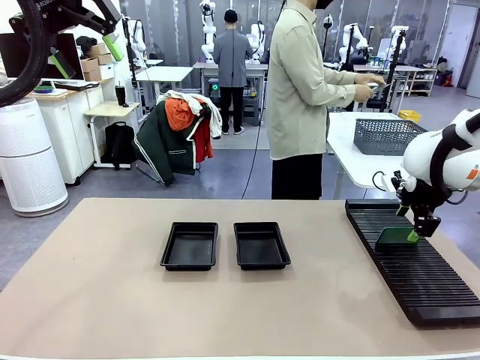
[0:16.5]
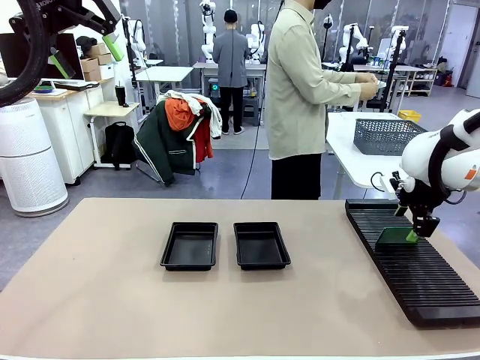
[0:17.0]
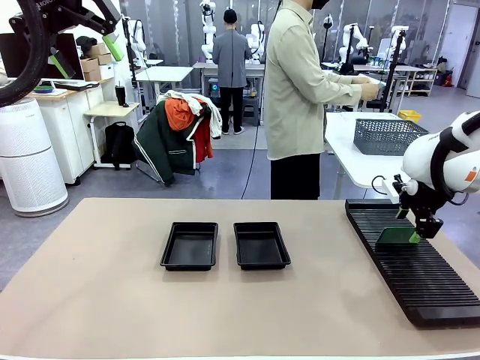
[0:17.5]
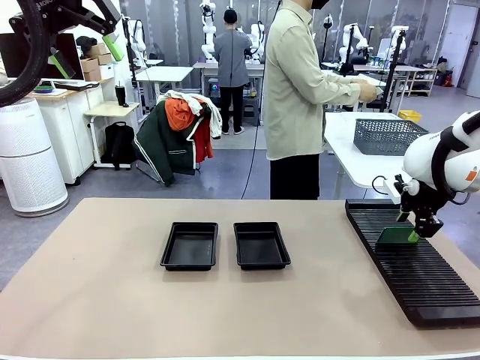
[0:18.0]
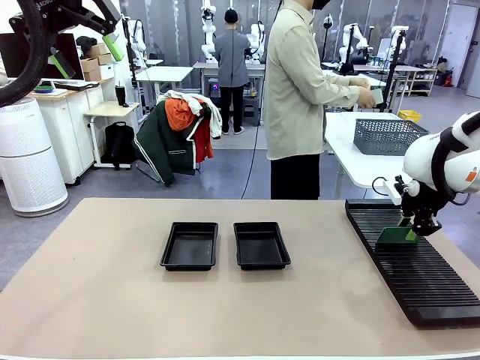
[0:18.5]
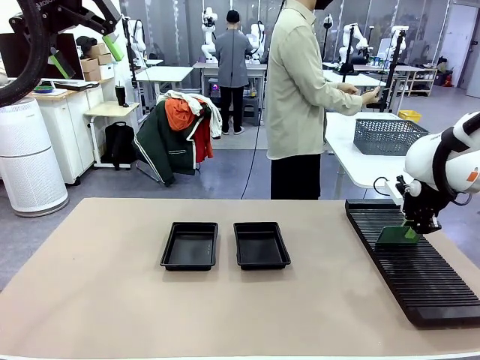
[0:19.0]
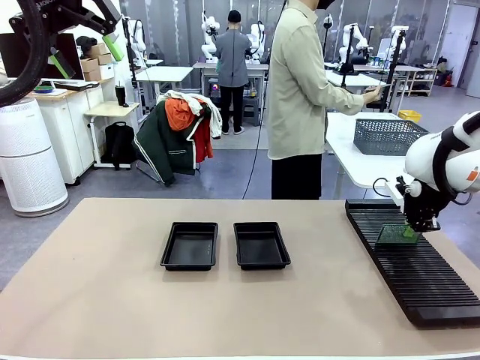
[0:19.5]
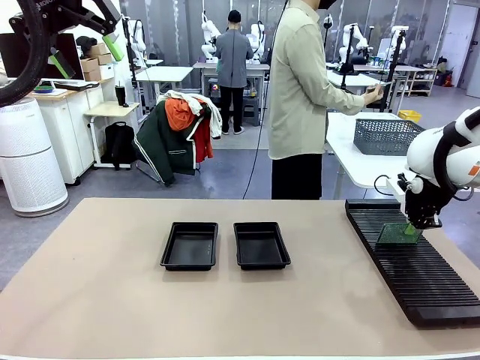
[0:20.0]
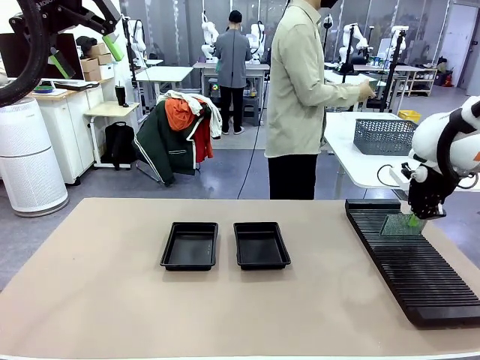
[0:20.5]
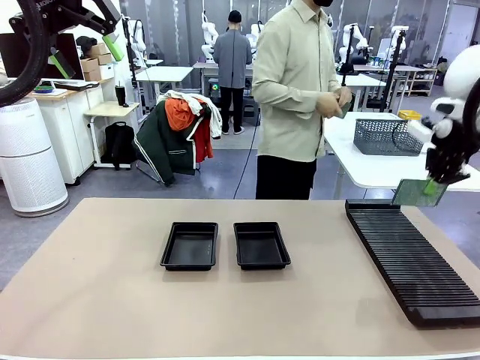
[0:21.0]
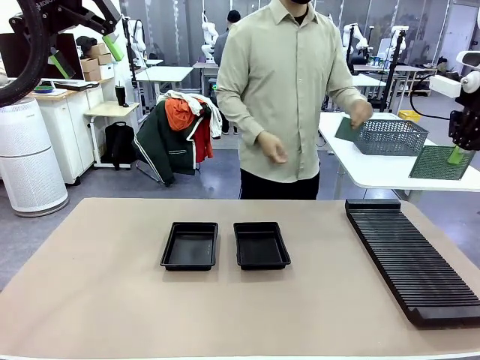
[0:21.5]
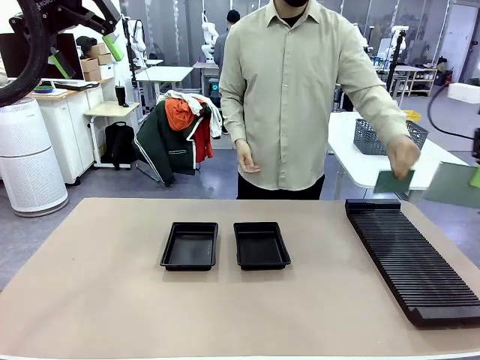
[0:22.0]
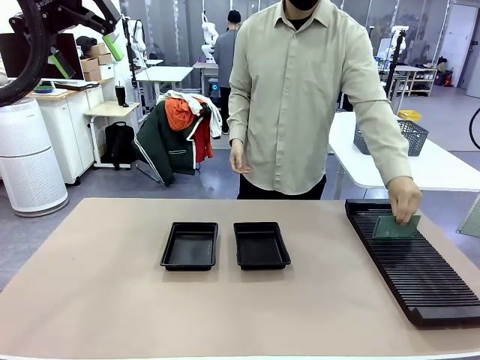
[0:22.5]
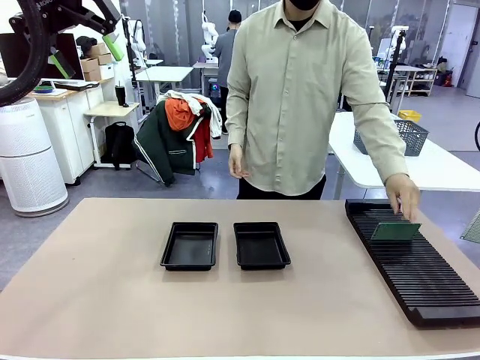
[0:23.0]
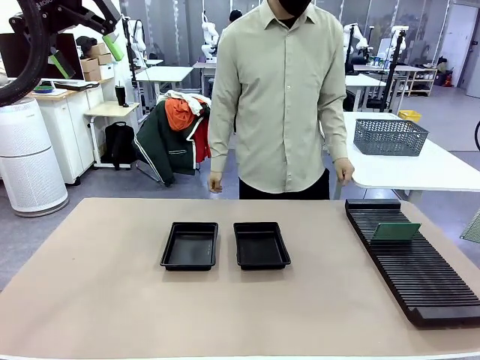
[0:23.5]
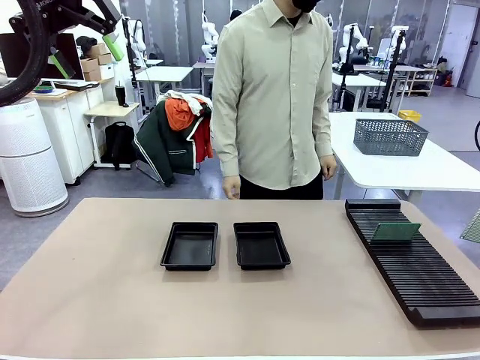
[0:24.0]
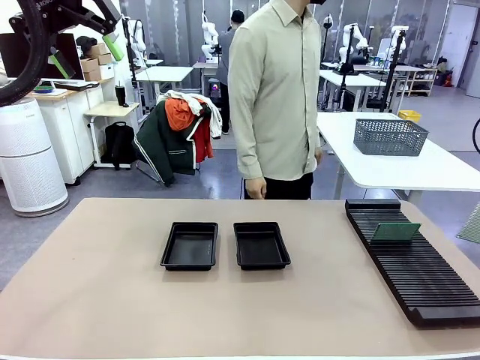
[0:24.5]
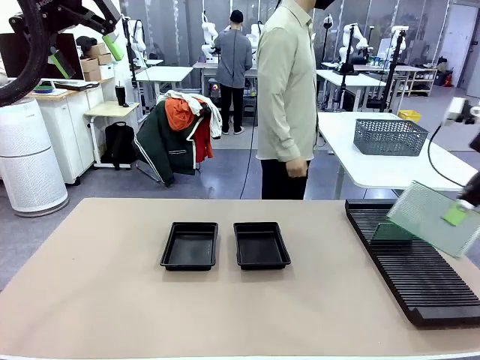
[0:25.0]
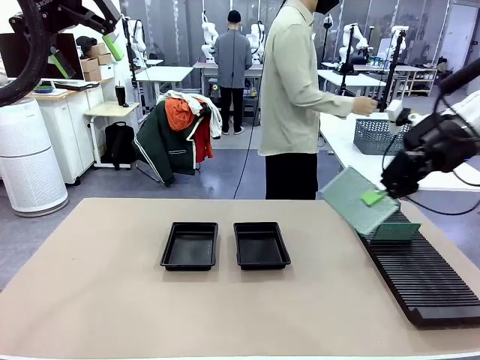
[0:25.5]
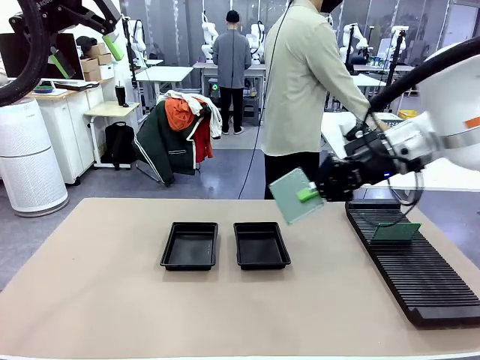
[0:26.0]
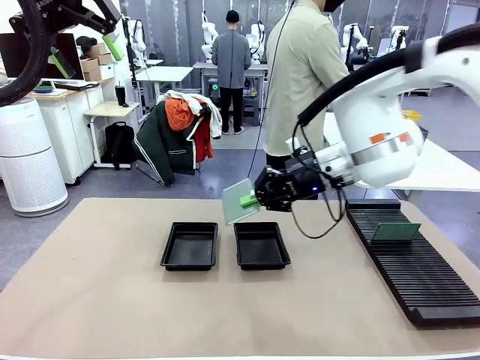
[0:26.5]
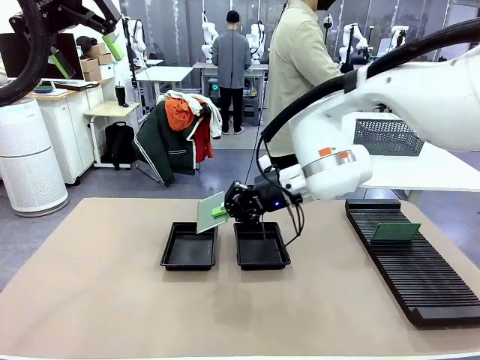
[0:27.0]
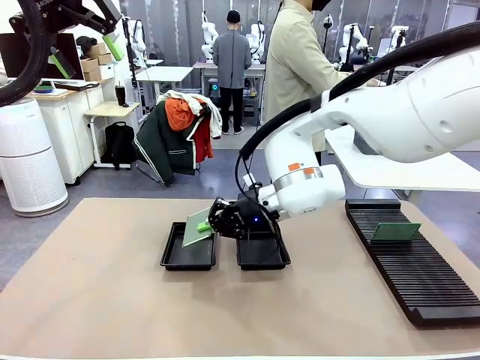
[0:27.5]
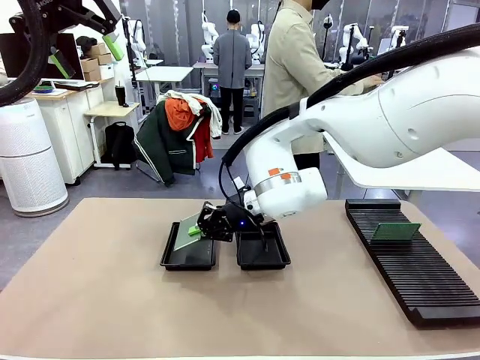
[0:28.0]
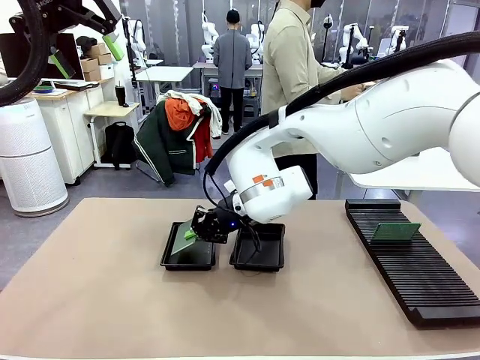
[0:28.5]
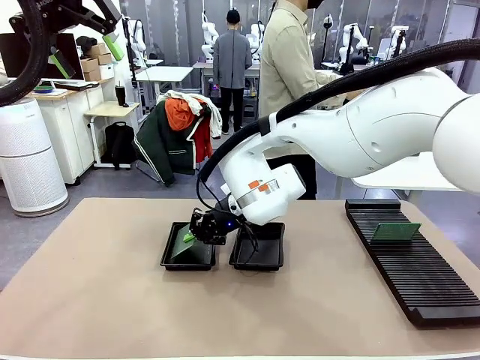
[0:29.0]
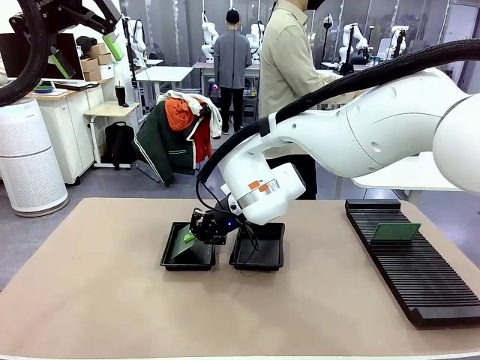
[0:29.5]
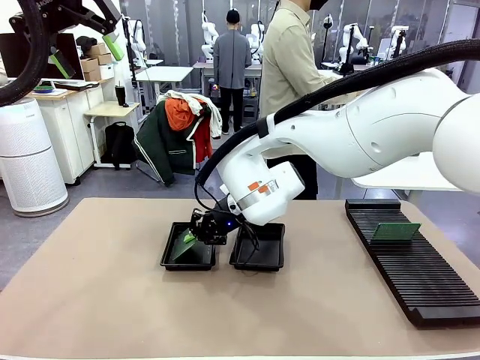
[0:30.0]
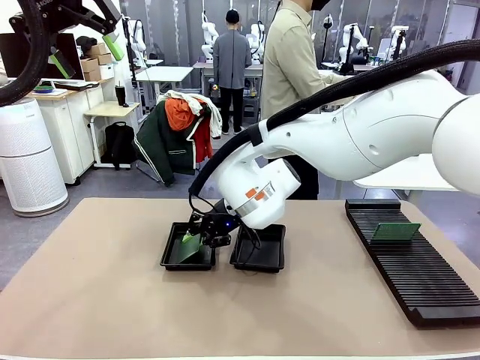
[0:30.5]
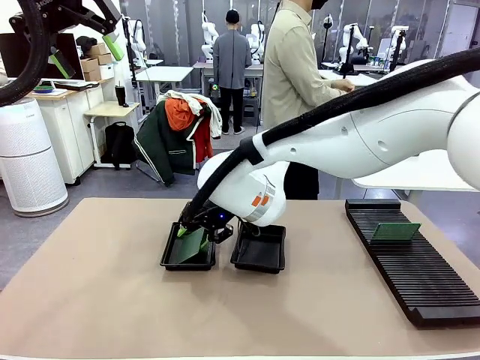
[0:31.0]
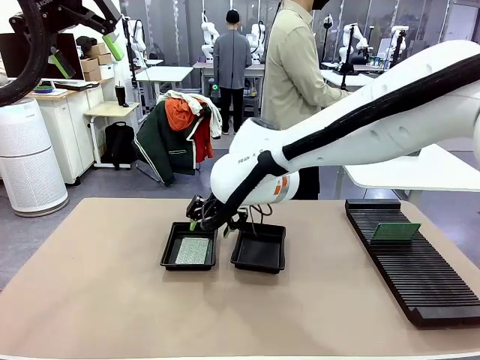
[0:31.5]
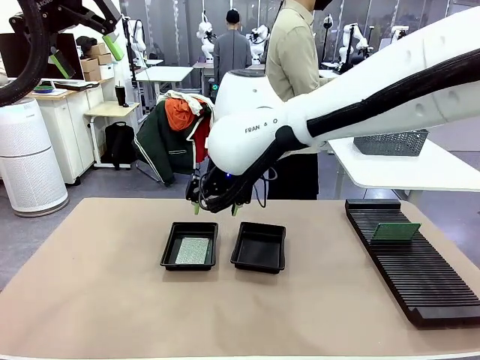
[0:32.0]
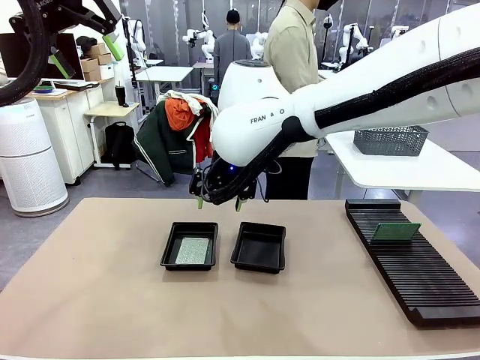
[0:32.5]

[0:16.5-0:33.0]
Task: Inspect and transfer BCBs to ESD trays.
Robot: Pick up the Blank PCB from the PCB Rack and place it in the left ESD tray.

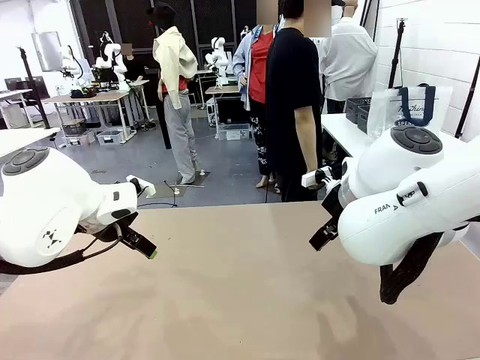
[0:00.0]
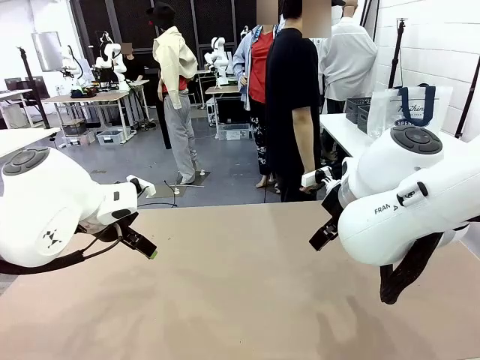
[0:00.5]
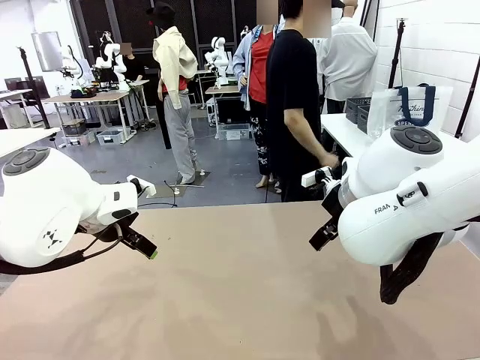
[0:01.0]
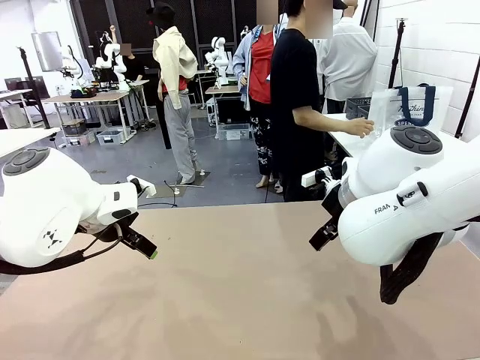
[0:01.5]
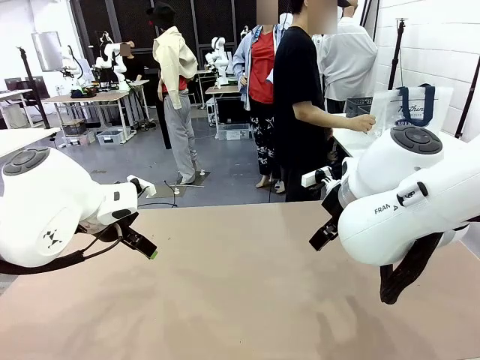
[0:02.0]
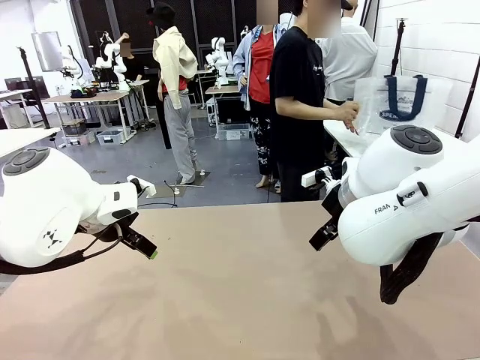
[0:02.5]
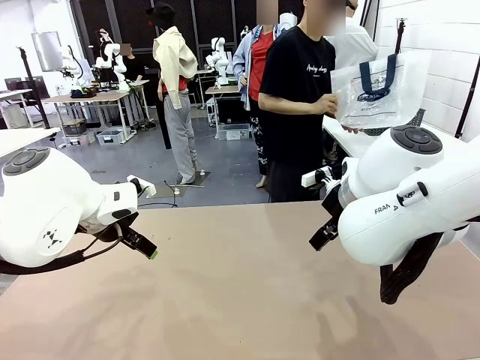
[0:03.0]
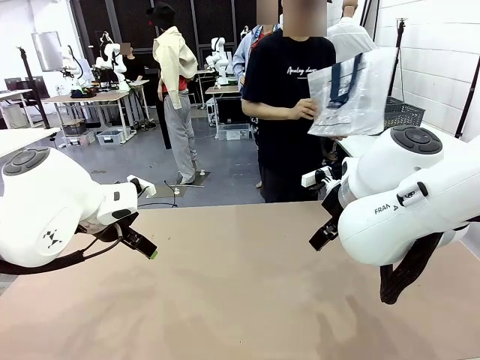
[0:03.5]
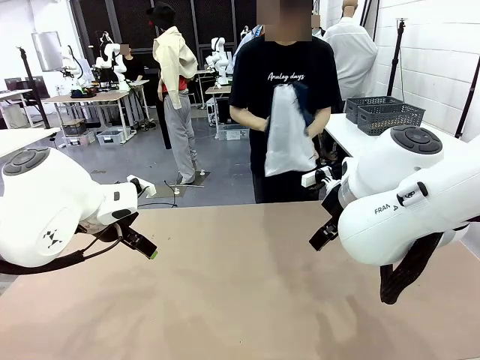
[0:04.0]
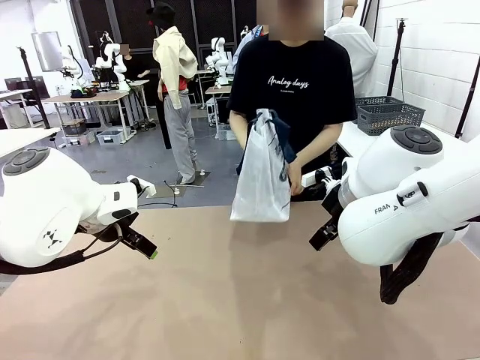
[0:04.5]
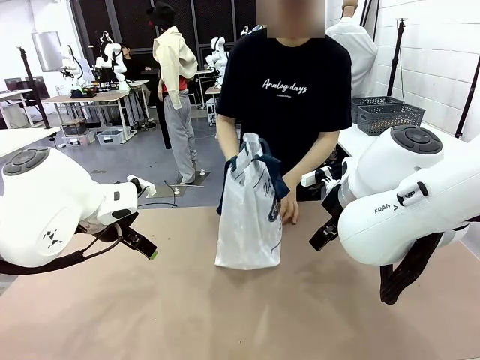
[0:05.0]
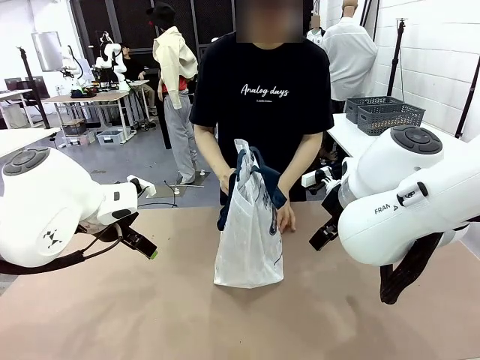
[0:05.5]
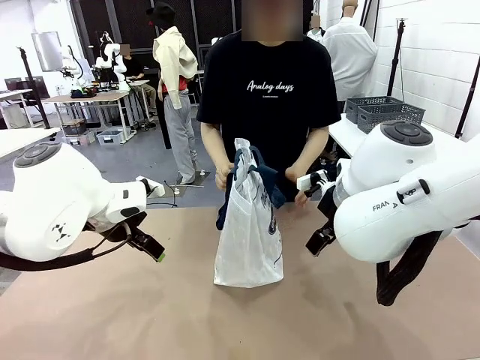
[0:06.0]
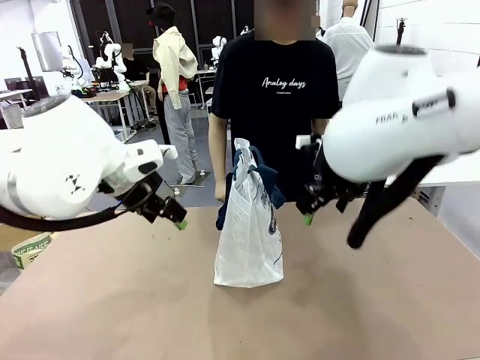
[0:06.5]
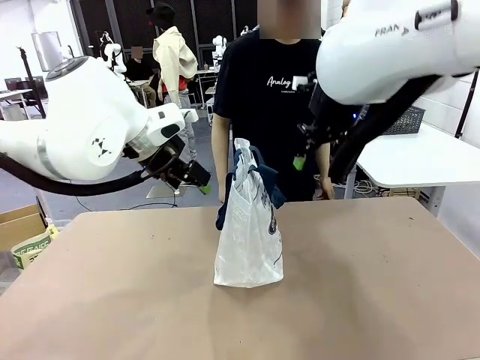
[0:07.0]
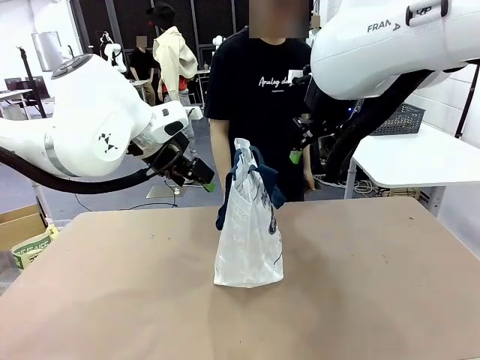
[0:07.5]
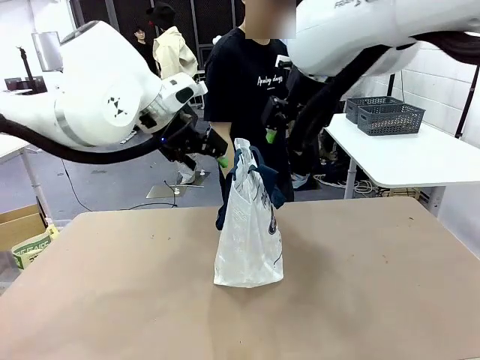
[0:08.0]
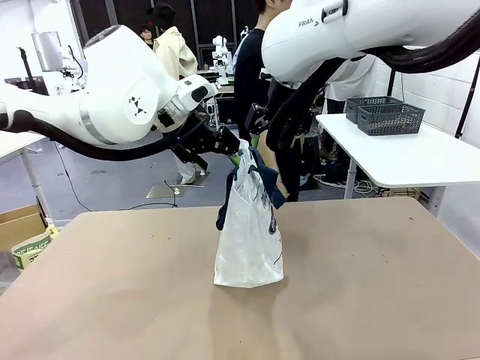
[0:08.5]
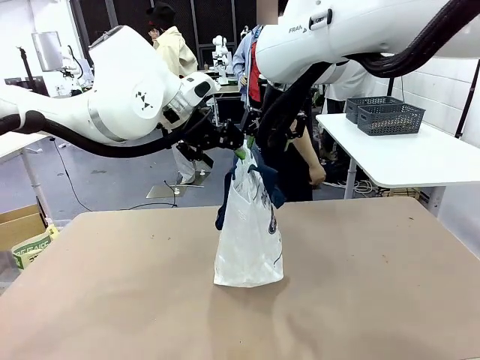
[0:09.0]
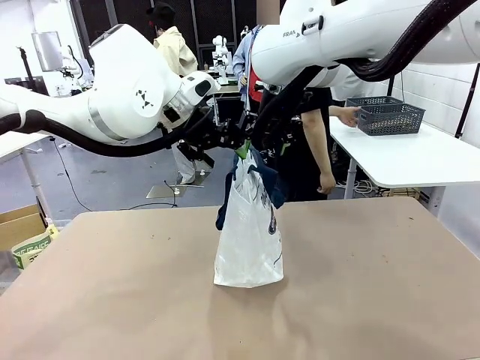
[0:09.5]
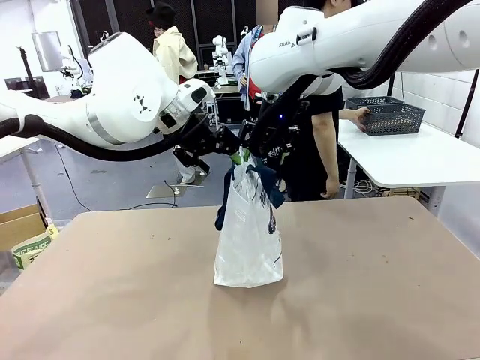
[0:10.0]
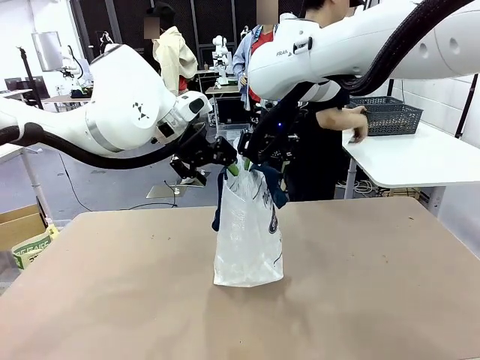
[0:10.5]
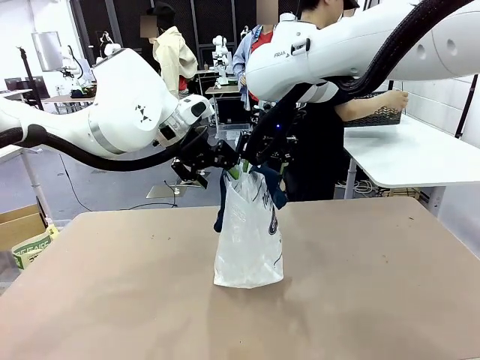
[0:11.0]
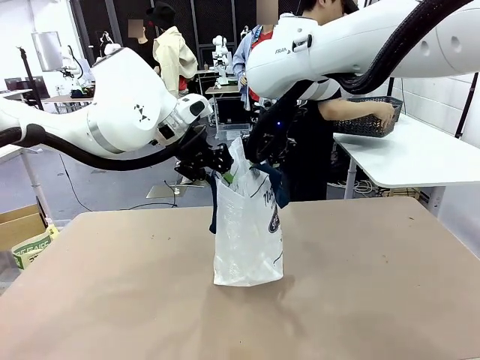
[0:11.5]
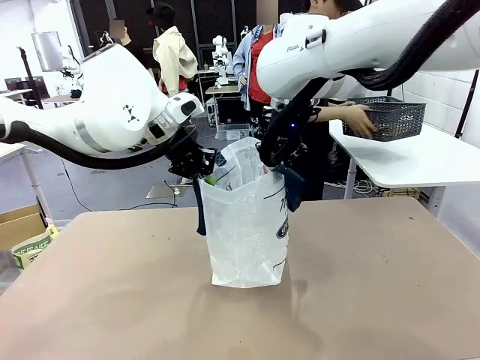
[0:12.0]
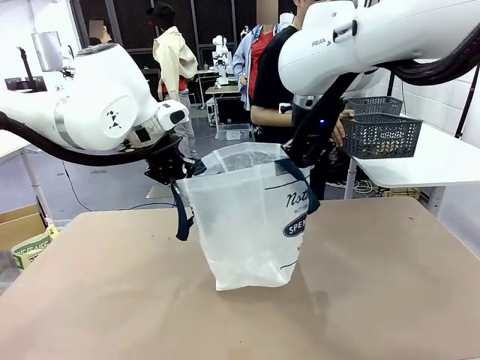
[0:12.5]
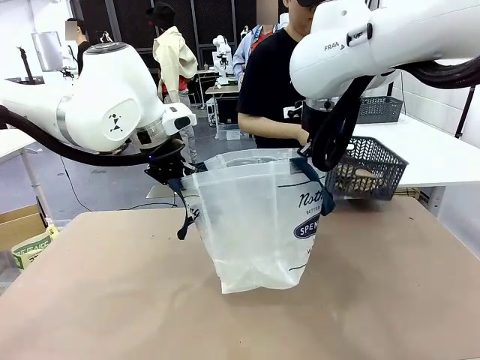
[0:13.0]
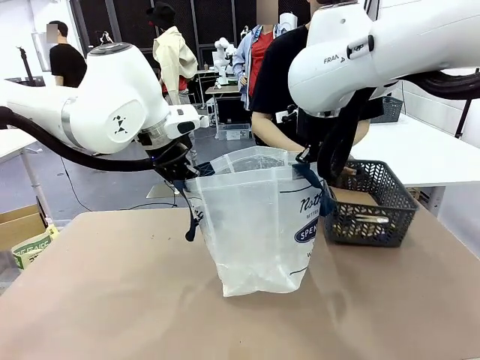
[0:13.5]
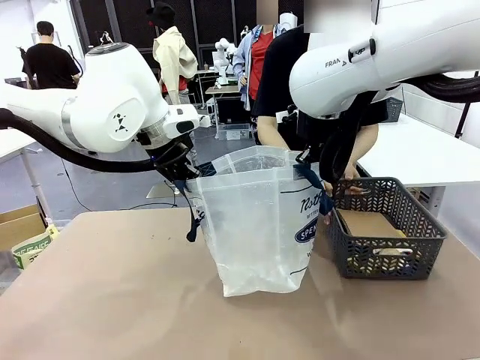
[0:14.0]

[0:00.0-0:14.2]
Task: Transfer purchased items from the store into the shopping bag.
Robot: Open the Reusable shopping bag in the center of the table.
Person: Pick up the shopping bag and place it in the middle of the robot table.
